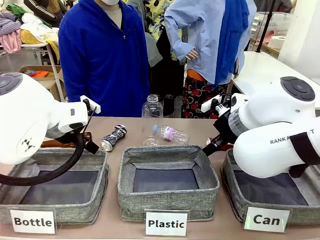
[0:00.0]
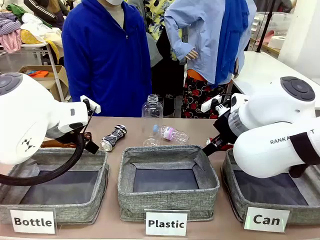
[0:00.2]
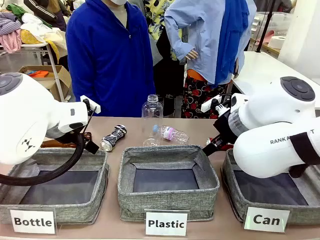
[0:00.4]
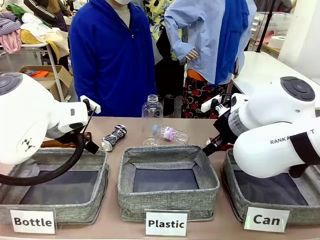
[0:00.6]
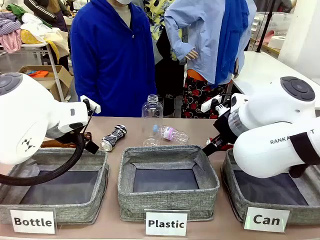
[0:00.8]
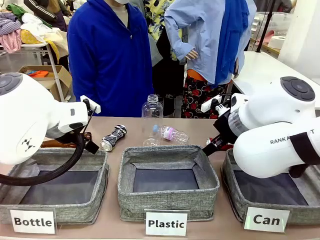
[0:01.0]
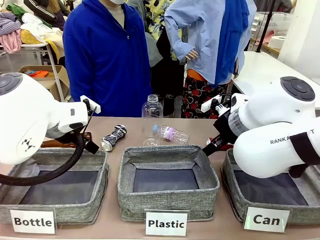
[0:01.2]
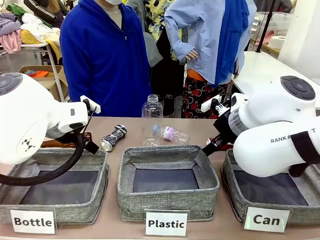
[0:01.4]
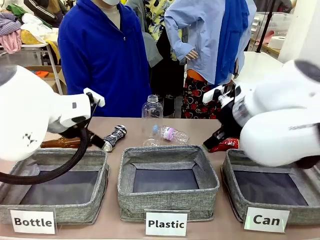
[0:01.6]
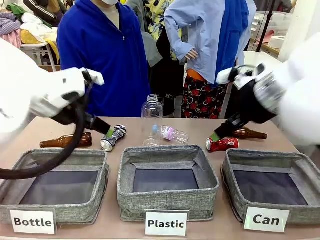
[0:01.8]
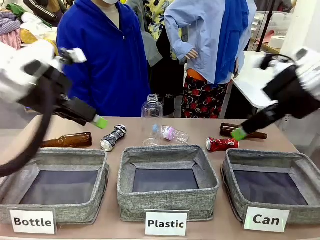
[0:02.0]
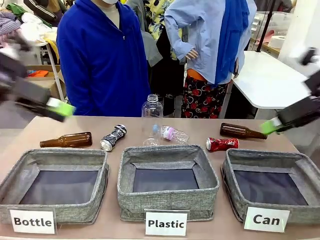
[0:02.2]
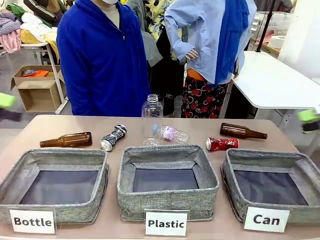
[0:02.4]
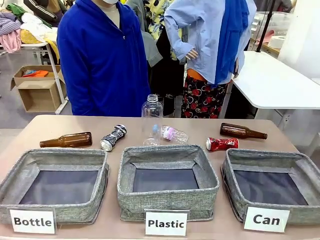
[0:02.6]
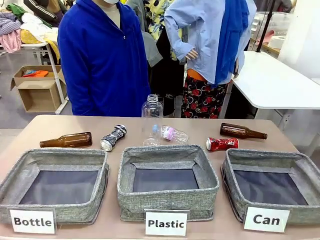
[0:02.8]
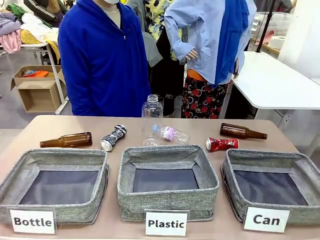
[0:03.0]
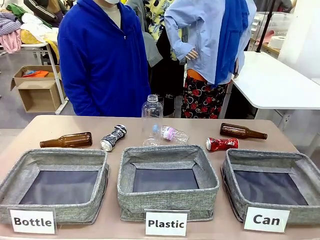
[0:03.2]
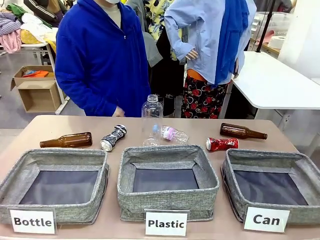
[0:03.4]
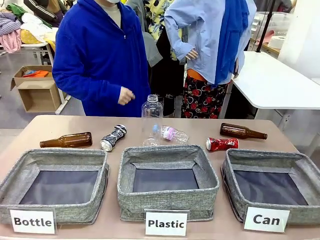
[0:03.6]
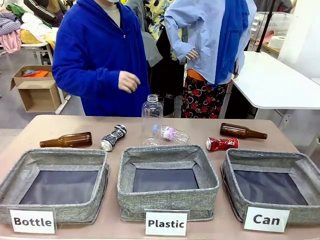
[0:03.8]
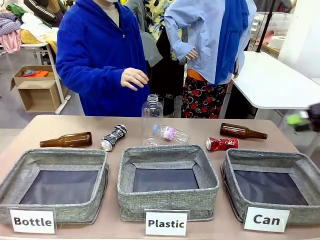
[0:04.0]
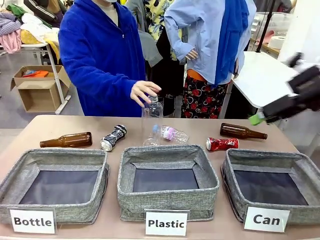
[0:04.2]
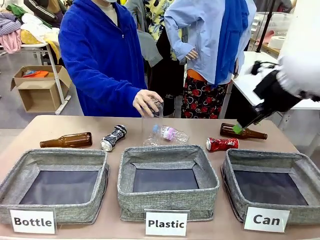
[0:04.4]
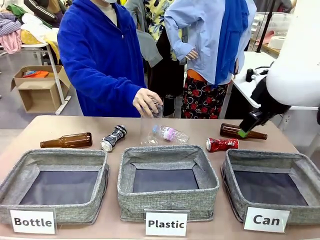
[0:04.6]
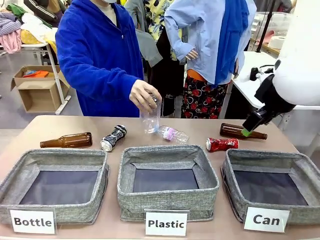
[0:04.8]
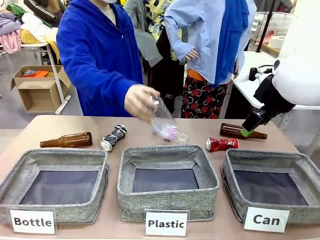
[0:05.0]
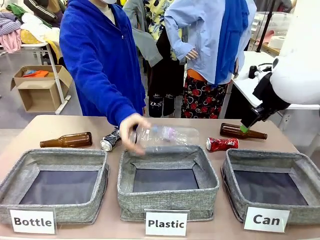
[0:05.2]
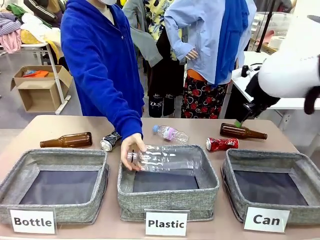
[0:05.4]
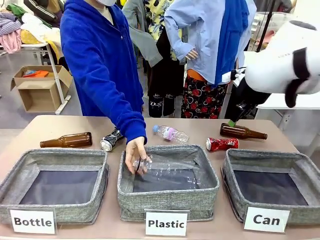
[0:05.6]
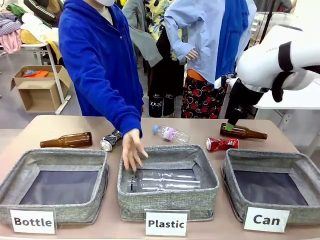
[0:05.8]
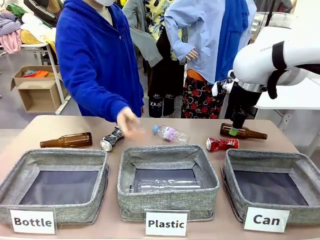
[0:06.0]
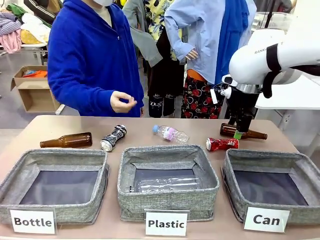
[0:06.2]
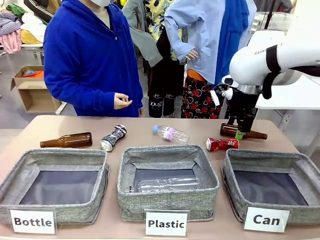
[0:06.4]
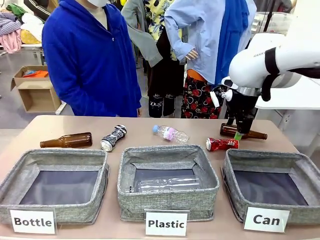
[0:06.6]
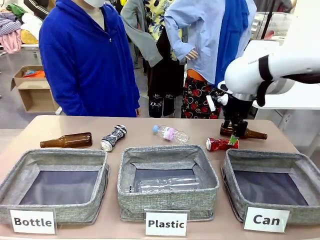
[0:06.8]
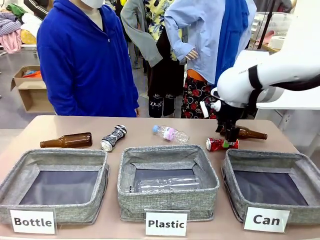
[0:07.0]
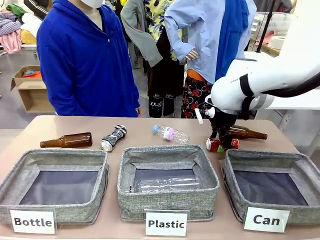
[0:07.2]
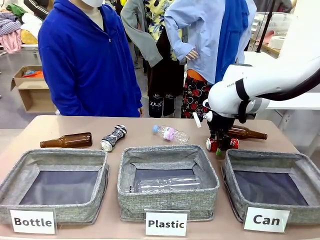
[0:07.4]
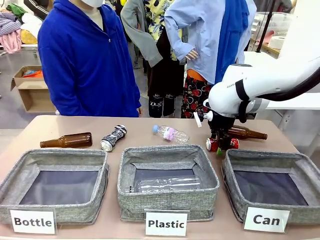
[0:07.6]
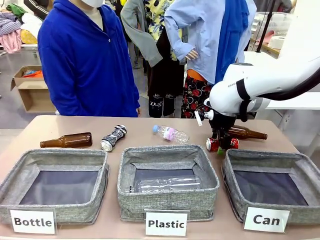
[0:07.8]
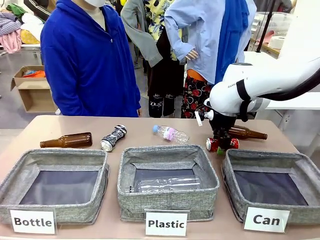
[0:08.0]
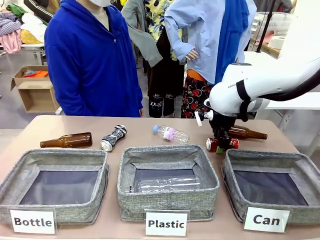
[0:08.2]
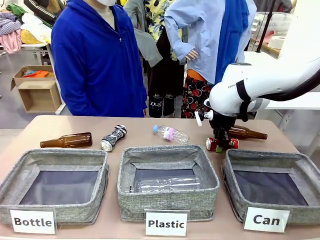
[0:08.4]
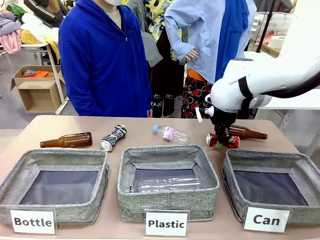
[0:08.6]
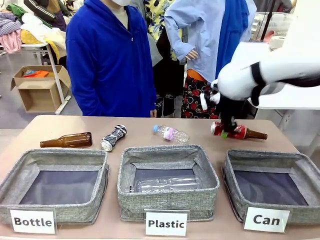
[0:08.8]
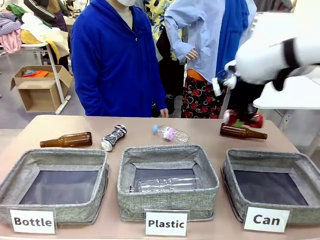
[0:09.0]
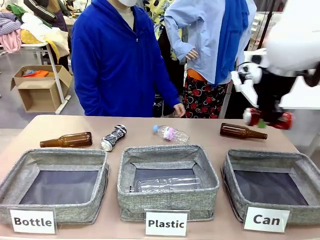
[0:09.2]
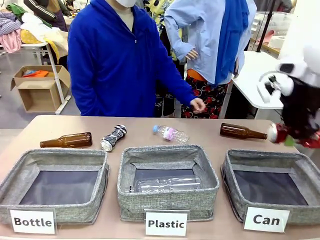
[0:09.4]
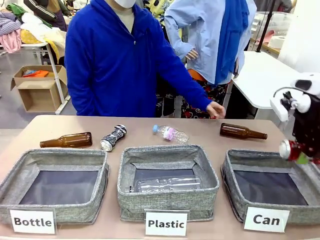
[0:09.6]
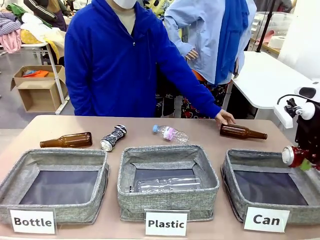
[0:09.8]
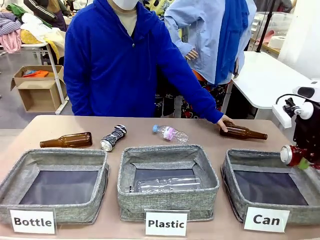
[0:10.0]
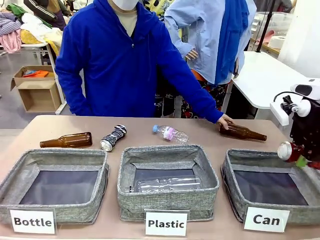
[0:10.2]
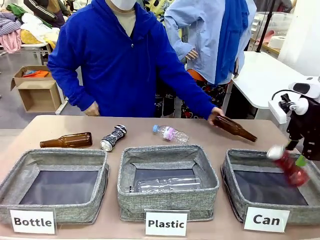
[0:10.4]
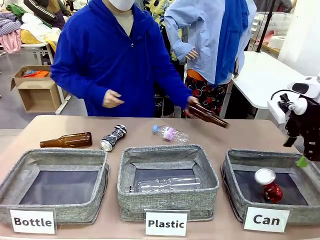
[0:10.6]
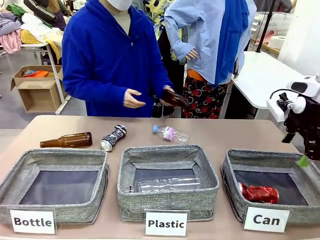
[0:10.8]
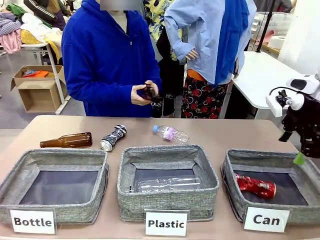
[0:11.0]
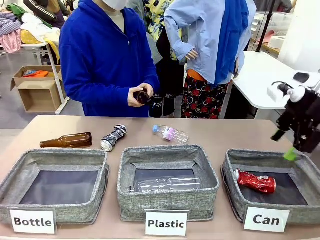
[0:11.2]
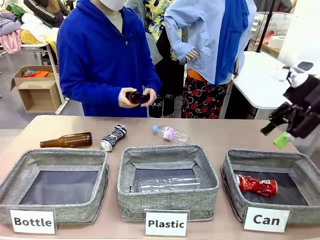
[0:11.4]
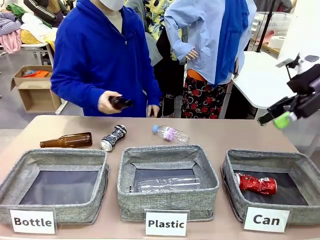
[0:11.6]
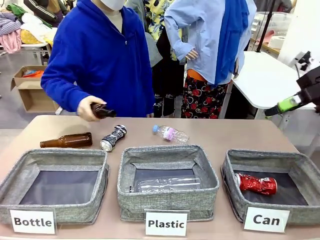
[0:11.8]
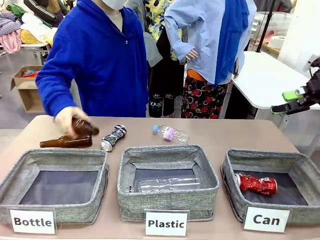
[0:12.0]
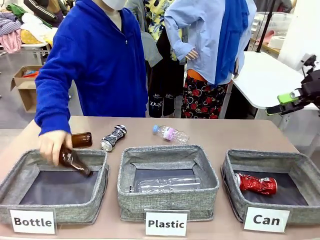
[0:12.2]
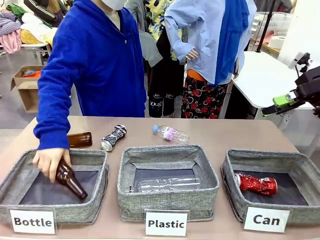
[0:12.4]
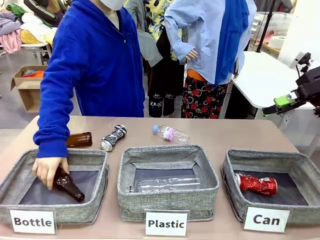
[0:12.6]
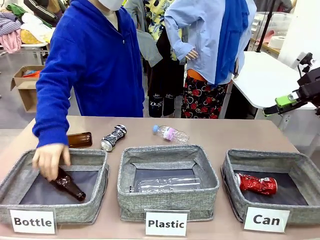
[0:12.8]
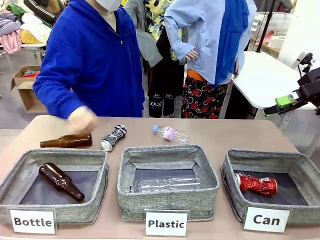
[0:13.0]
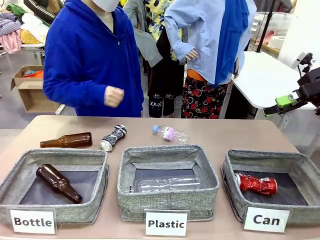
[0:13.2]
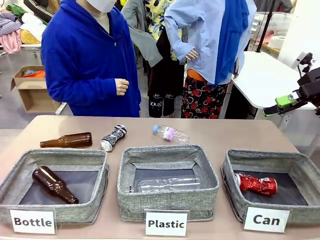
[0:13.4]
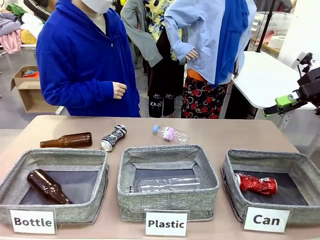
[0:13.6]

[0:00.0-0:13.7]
Task: Sort the can waste into the basket.
Robot: Pick up the can waste from the table and place it in the right Fabric basket.

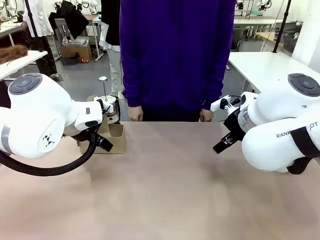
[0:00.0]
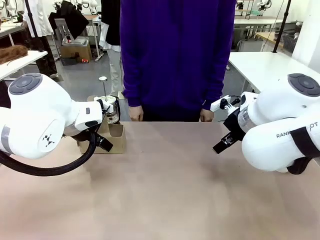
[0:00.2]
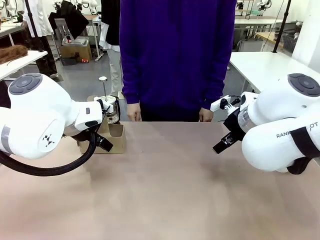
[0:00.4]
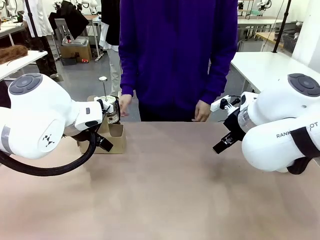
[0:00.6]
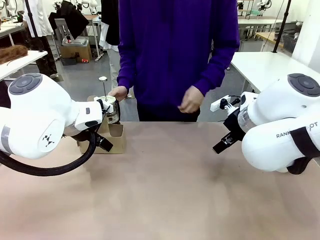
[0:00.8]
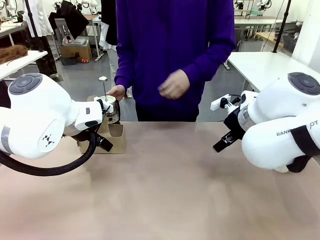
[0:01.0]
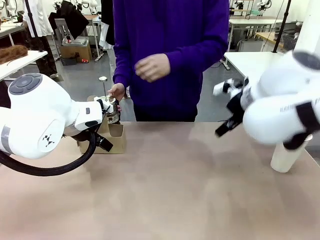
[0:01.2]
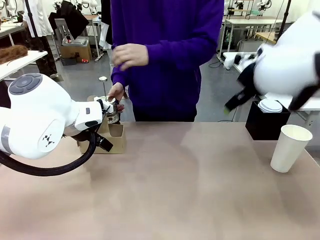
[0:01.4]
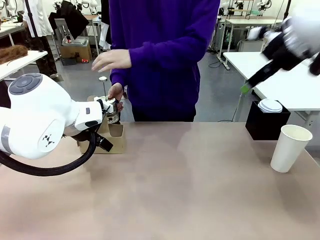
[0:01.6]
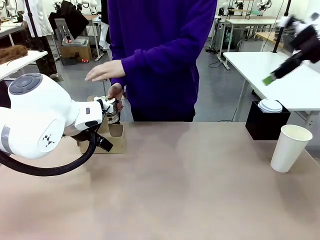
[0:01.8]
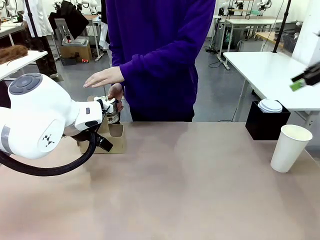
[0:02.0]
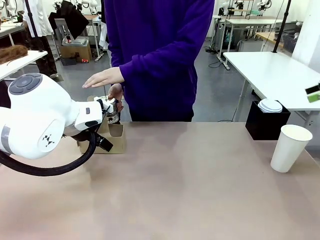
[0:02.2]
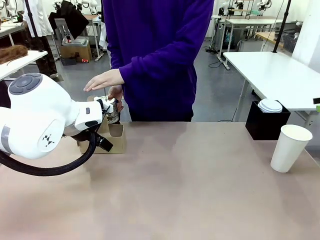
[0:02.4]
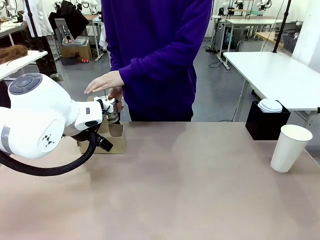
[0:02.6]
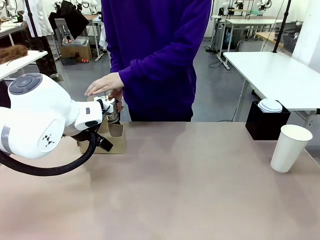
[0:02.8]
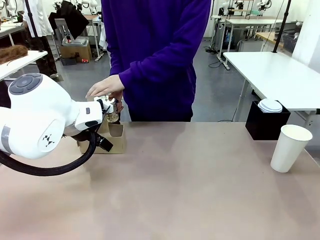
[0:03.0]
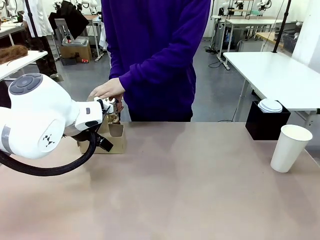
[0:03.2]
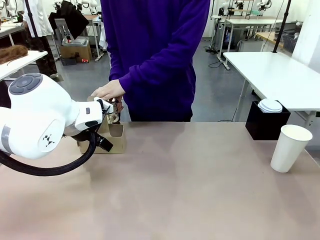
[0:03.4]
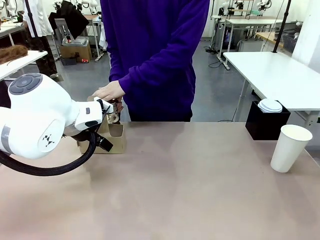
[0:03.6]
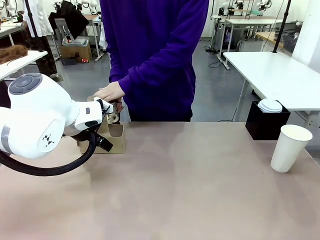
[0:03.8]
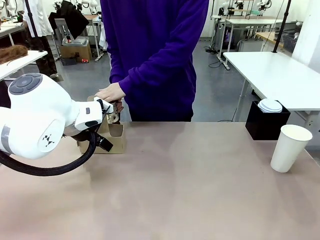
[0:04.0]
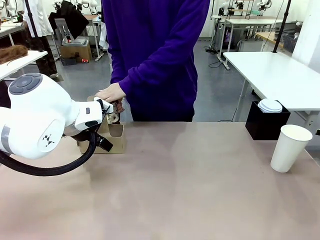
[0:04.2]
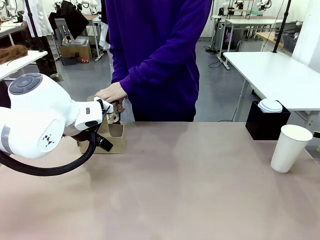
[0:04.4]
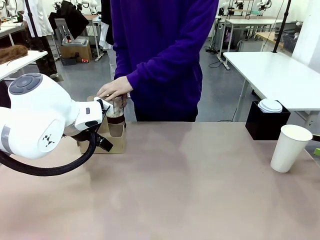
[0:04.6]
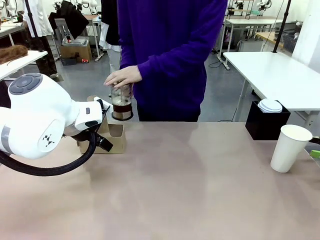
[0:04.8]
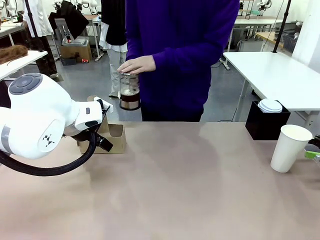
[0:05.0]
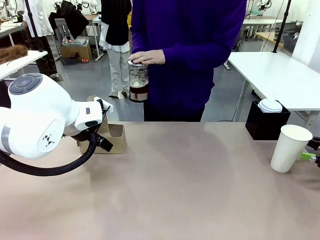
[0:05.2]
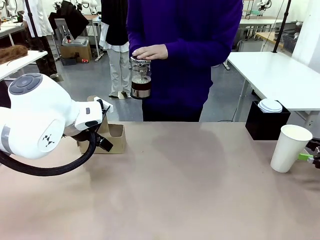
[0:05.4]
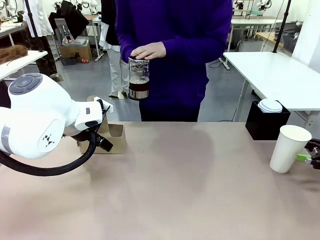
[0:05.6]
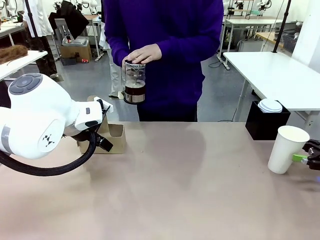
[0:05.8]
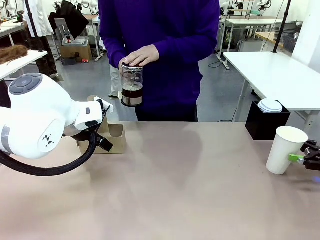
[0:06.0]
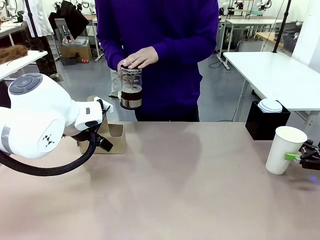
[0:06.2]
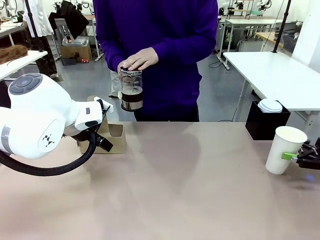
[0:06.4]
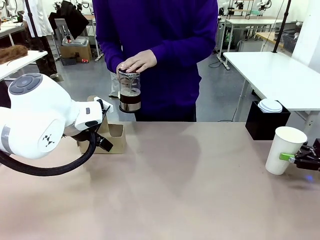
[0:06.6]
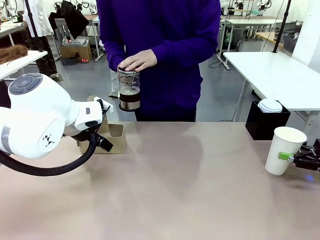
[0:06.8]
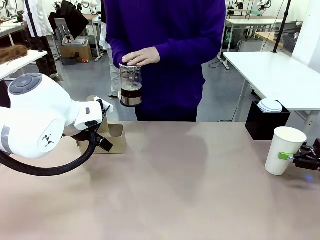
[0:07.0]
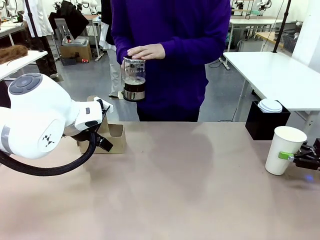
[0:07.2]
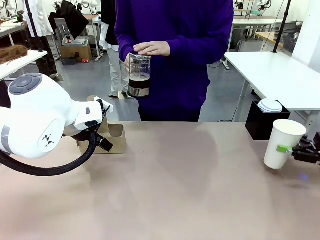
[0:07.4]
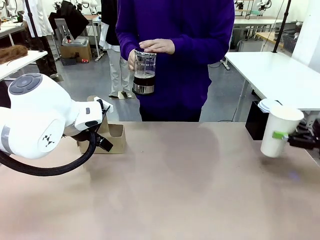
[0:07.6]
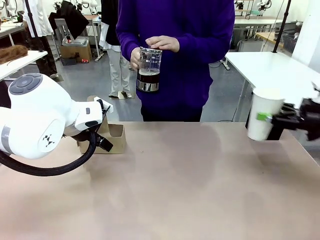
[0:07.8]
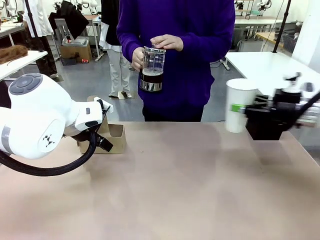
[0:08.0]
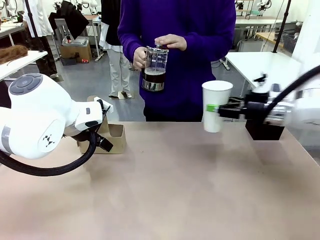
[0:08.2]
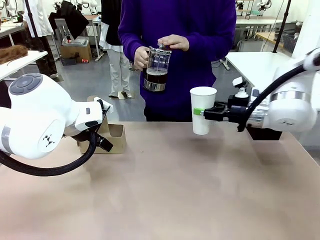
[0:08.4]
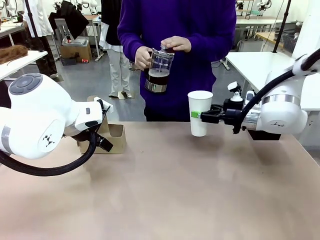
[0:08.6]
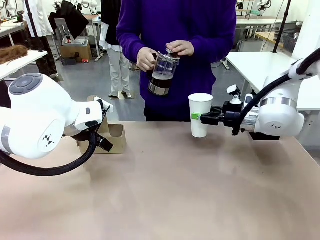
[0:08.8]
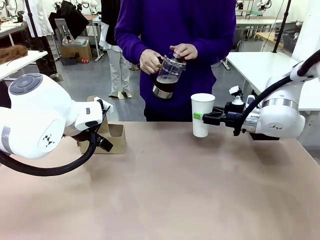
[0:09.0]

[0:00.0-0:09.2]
Task: Pour a drink into a cup and package it in a carrier.
Robot: Pick up the 600 ml Paper Cup and place it in the middle top area of the table.
Person: Press and pick up the Filter Brewing.
